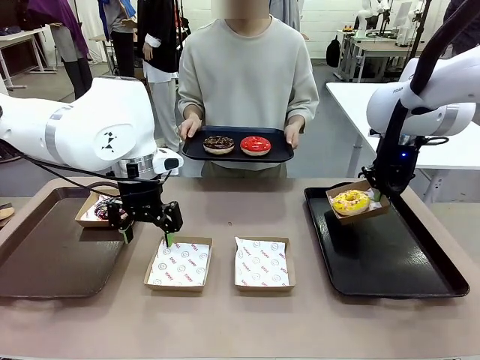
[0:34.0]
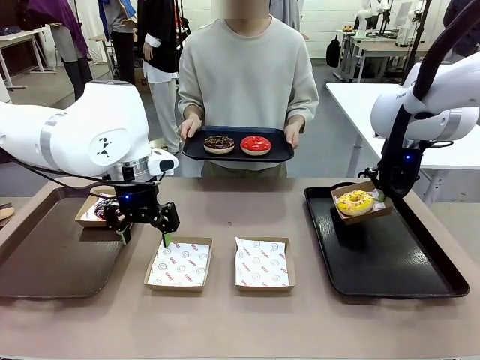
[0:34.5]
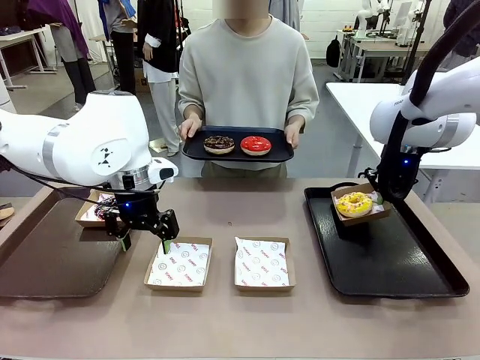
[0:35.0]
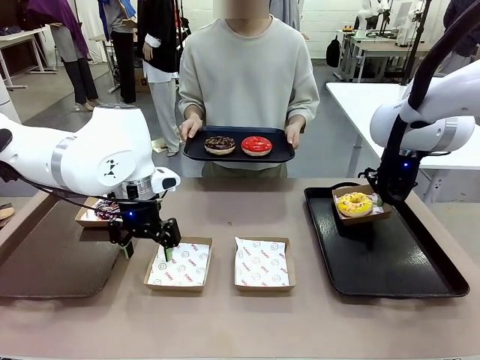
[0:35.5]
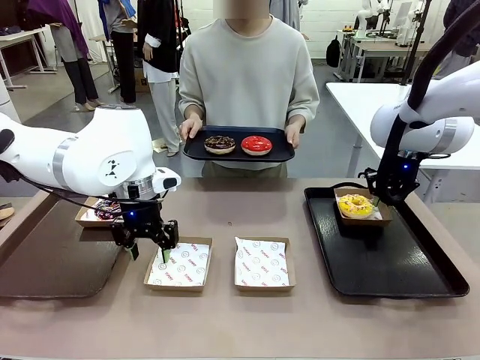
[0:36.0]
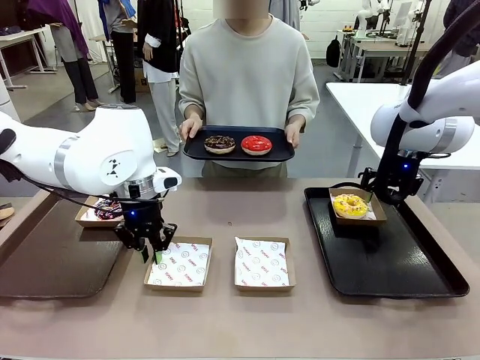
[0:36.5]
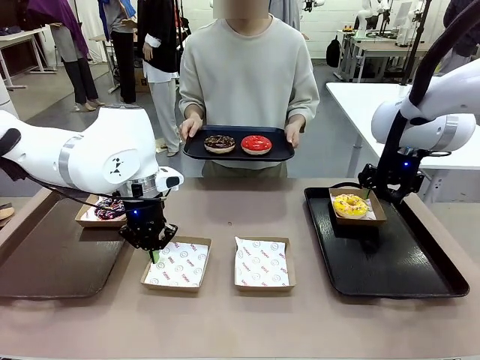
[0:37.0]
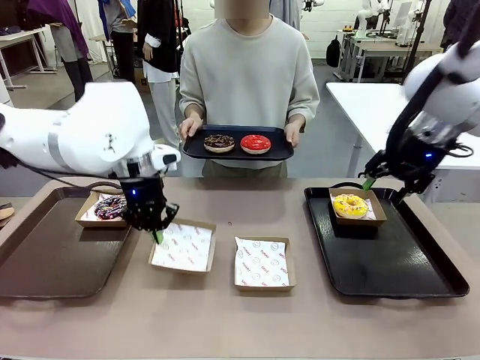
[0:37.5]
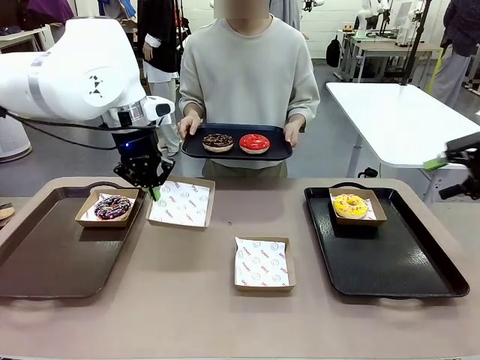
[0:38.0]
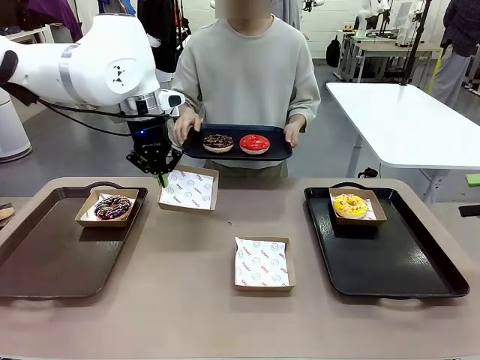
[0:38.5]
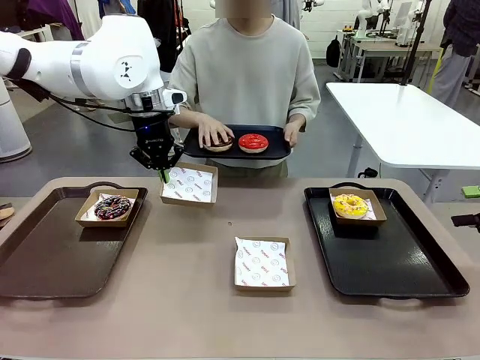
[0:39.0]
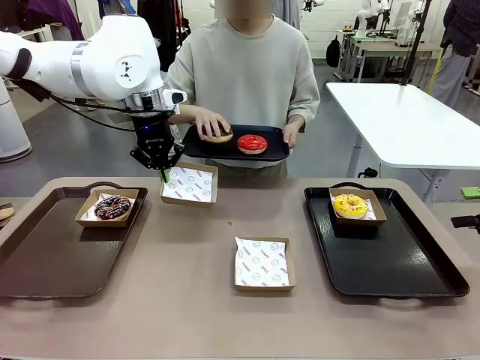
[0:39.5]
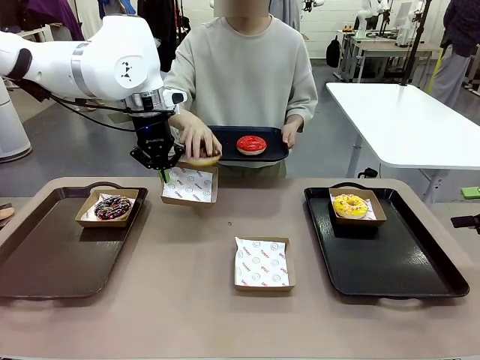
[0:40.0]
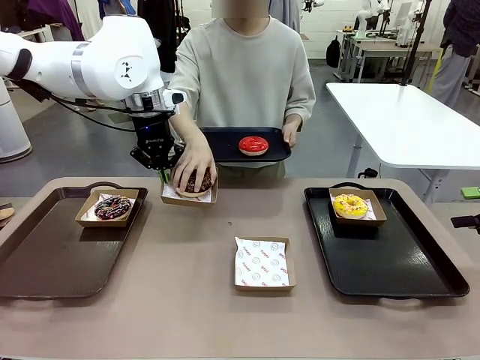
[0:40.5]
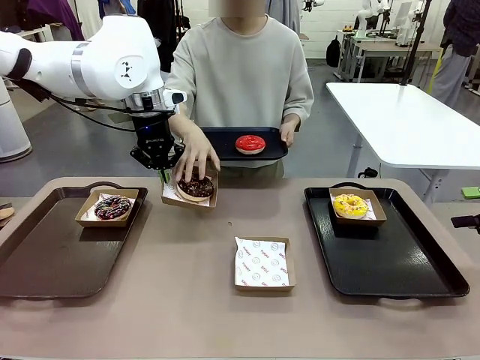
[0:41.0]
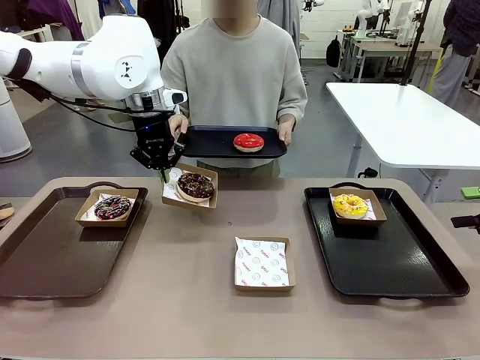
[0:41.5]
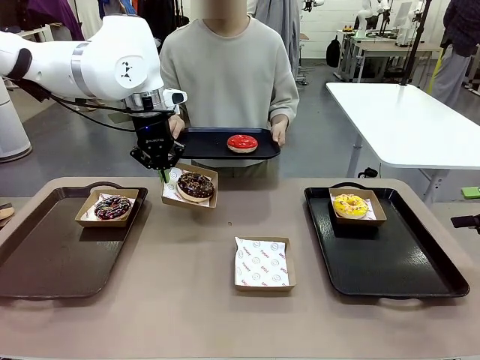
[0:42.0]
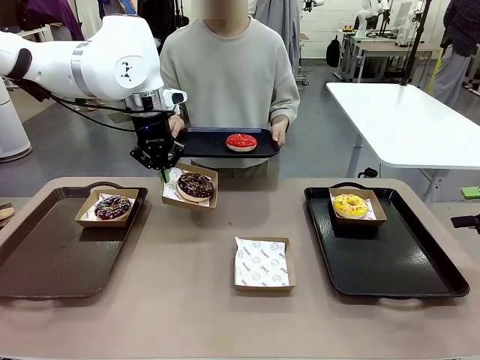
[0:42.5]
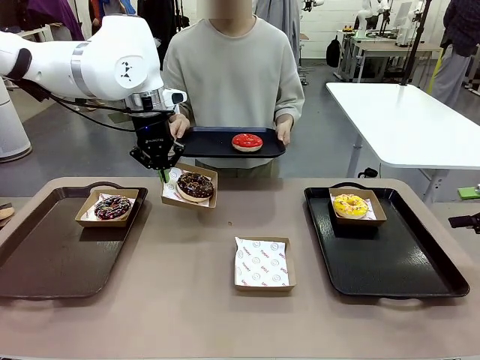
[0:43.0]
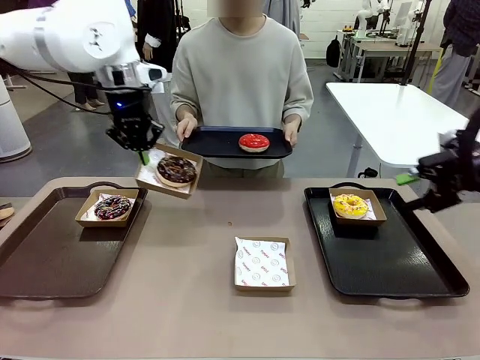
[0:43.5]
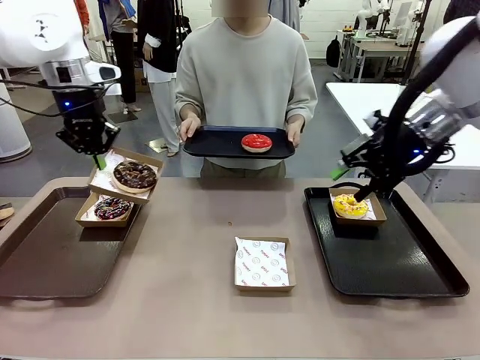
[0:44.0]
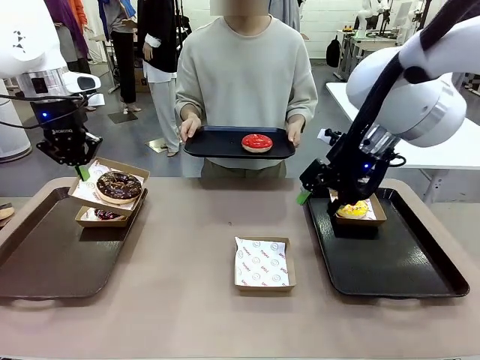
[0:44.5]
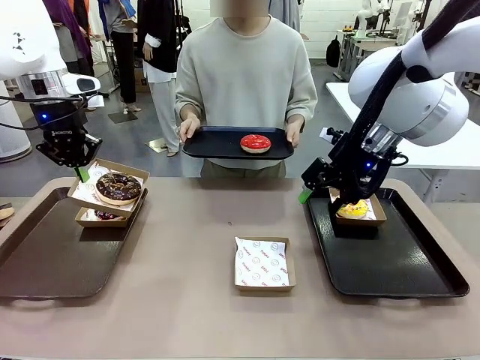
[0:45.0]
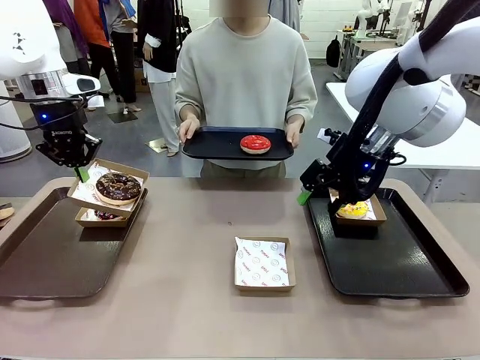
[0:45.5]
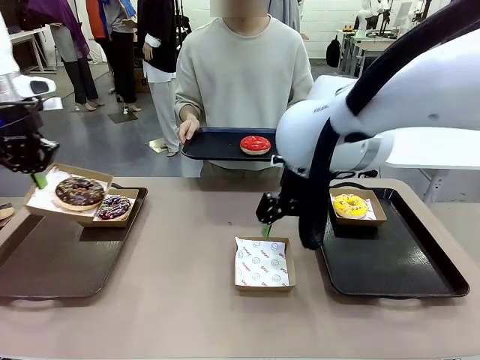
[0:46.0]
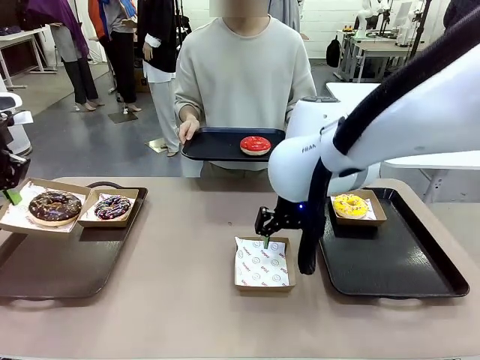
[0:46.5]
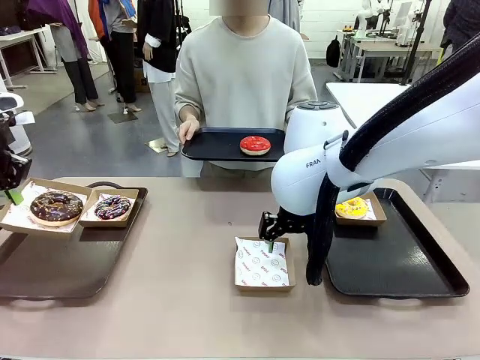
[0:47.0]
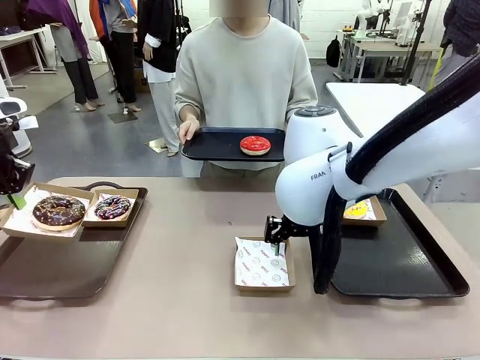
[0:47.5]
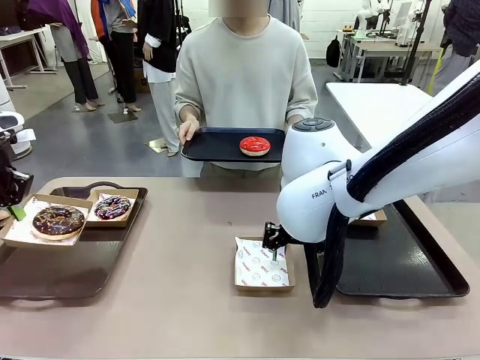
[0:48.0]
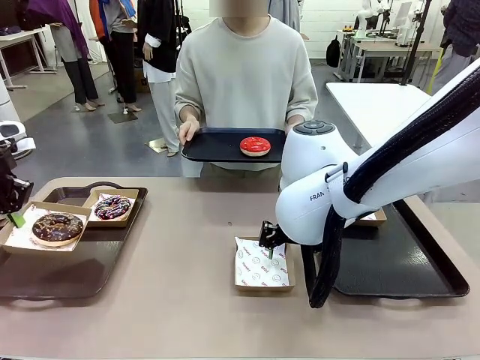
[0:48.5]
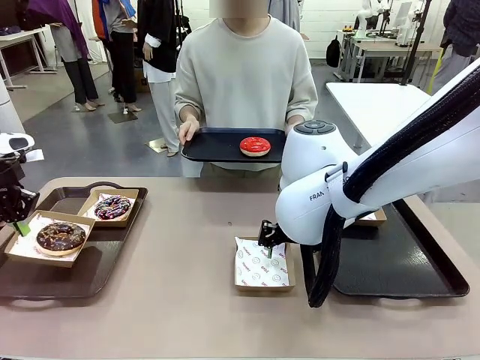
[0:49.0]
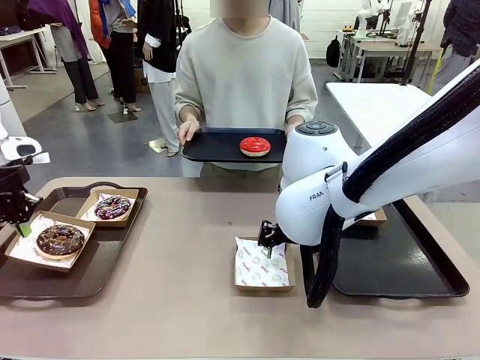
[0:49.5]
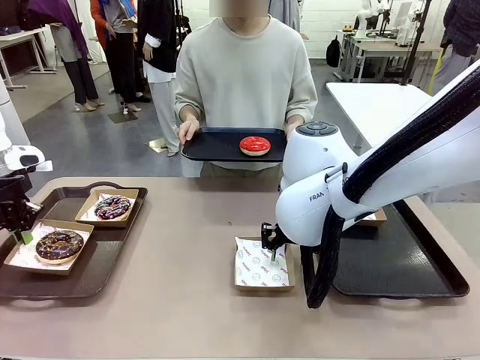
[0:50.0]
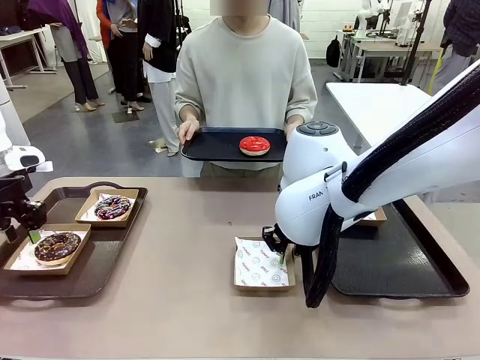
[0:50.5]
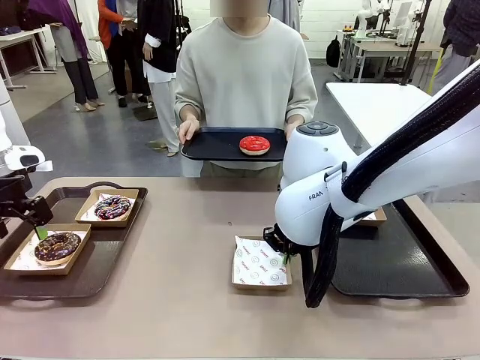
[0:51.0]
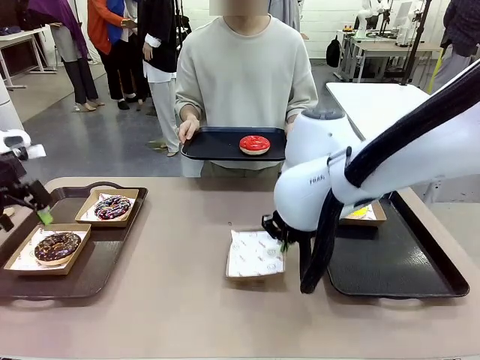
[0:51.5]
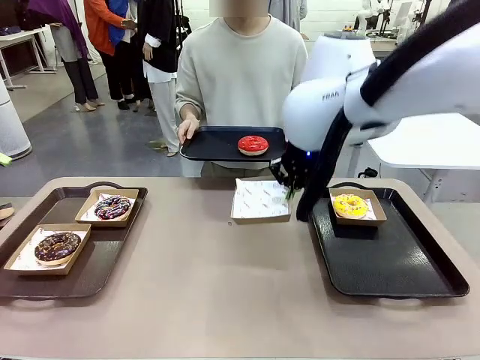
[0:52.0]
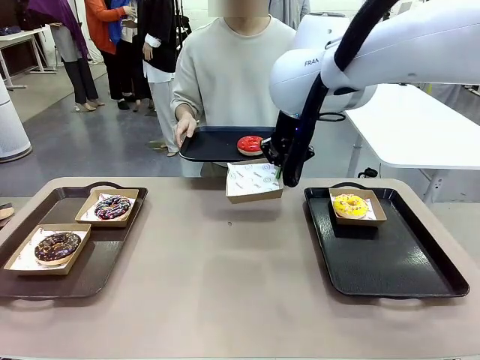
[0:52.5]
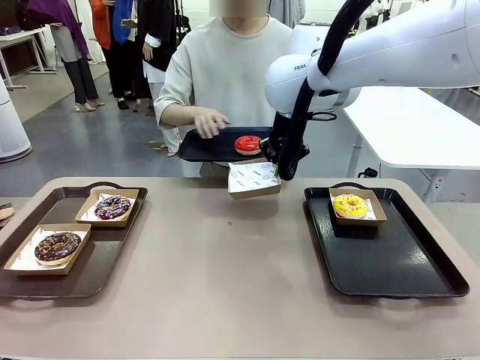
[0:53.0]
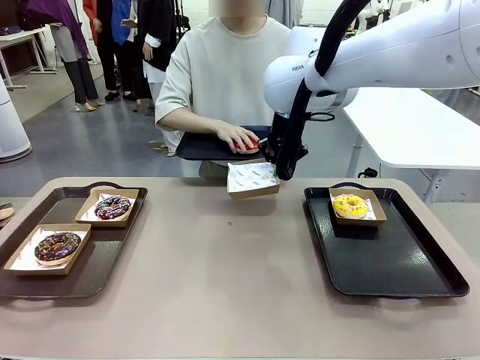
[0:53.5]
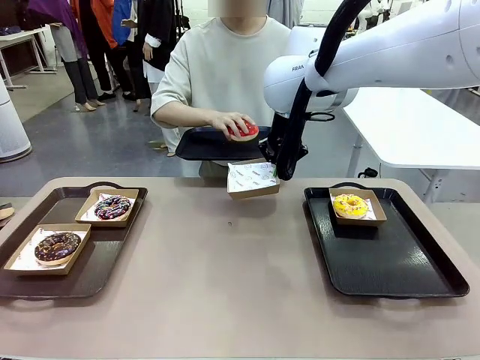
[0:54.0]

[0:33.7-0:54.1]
Task: Individually package the donuts and arrange them on the tray.
Robot: Place the picked Paper togo box on the Handle tray while simultaneously picking up another Paper togo box from the table with the other hand.
